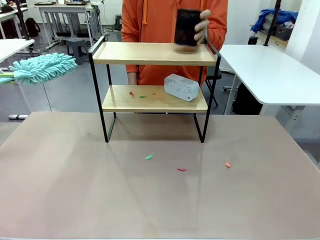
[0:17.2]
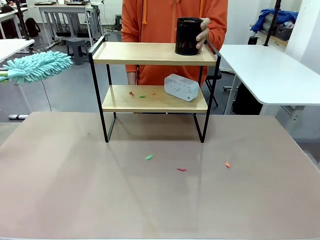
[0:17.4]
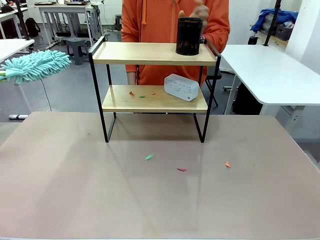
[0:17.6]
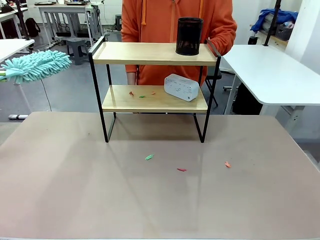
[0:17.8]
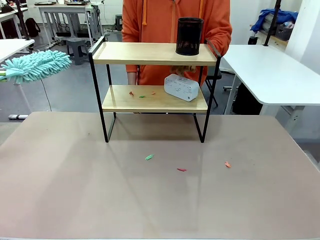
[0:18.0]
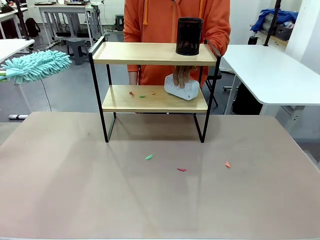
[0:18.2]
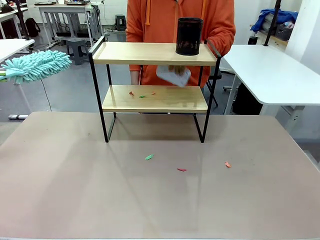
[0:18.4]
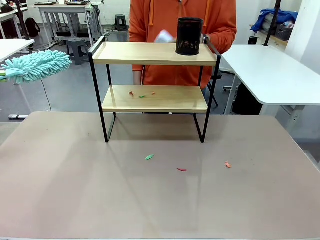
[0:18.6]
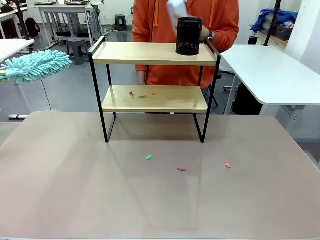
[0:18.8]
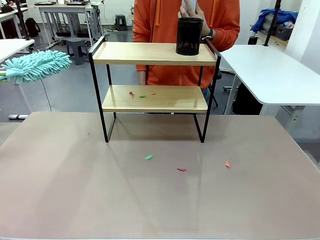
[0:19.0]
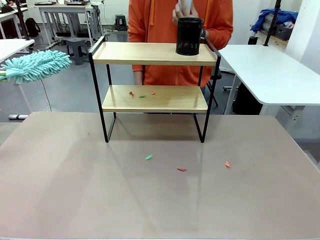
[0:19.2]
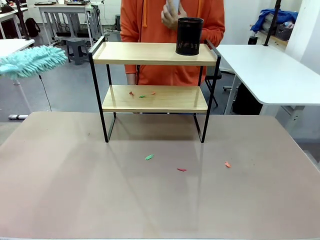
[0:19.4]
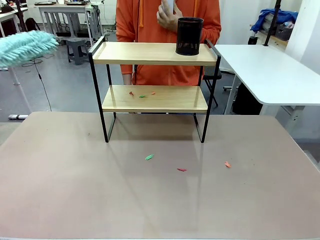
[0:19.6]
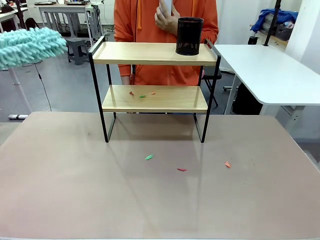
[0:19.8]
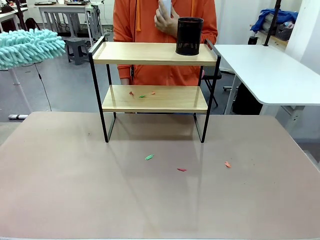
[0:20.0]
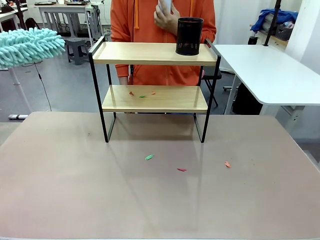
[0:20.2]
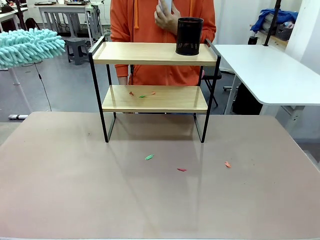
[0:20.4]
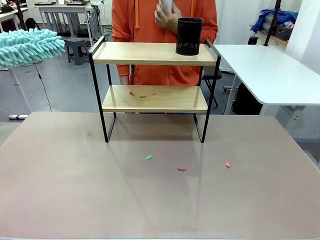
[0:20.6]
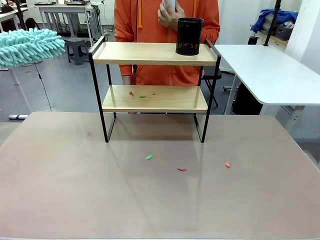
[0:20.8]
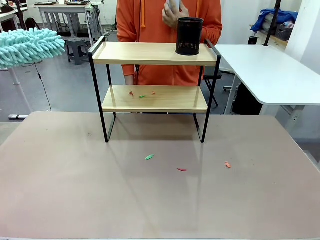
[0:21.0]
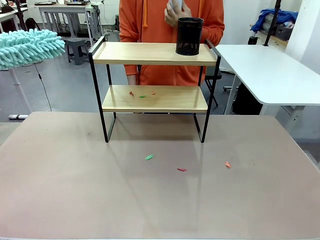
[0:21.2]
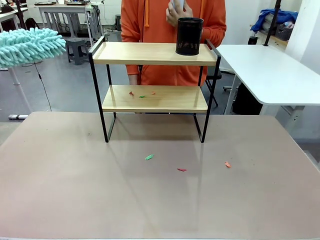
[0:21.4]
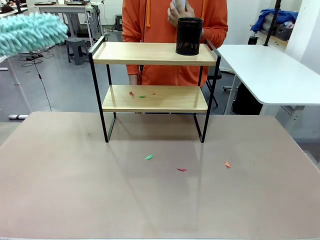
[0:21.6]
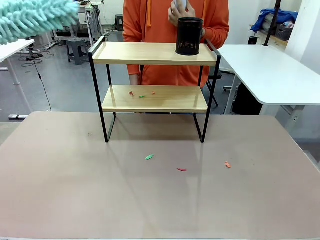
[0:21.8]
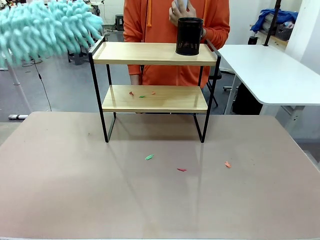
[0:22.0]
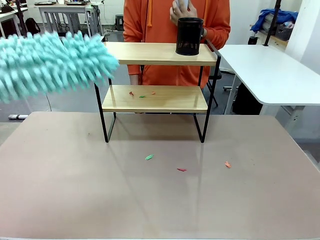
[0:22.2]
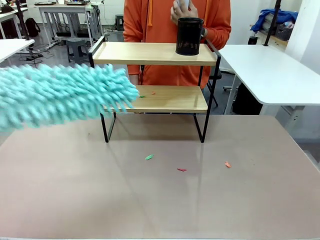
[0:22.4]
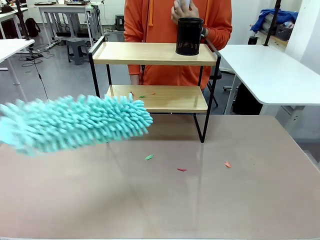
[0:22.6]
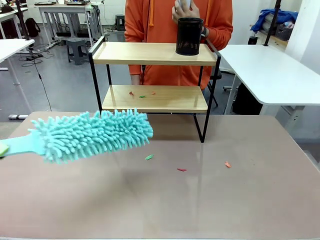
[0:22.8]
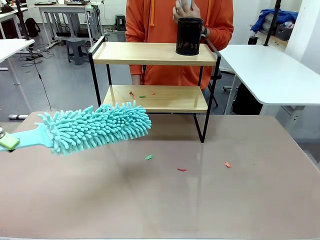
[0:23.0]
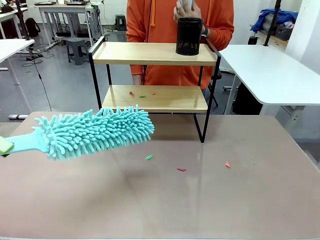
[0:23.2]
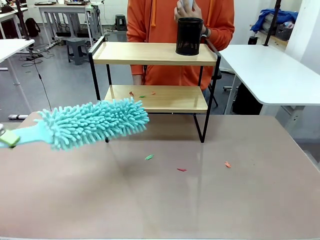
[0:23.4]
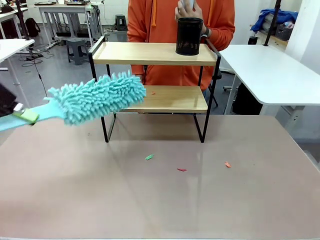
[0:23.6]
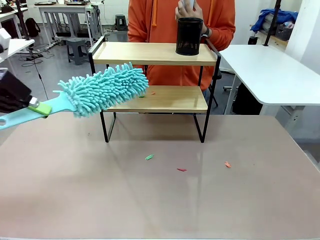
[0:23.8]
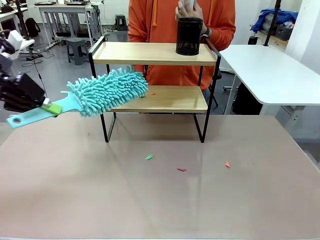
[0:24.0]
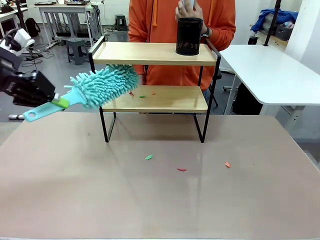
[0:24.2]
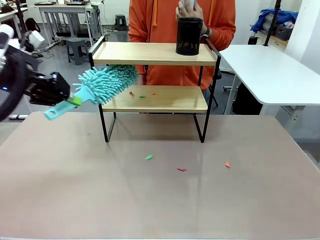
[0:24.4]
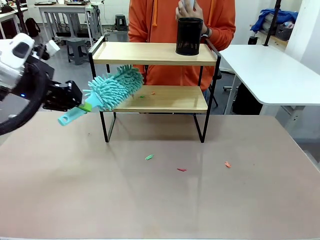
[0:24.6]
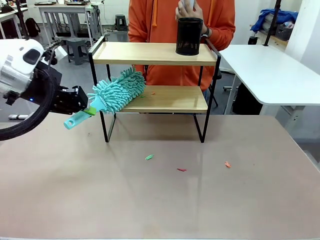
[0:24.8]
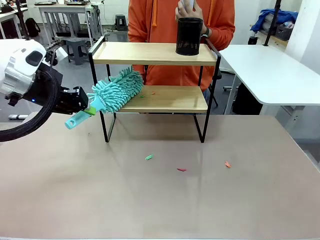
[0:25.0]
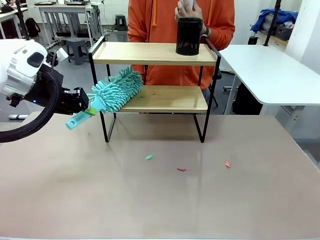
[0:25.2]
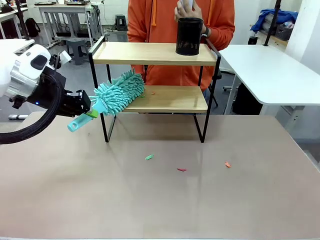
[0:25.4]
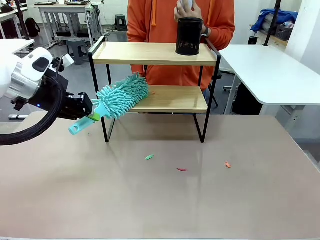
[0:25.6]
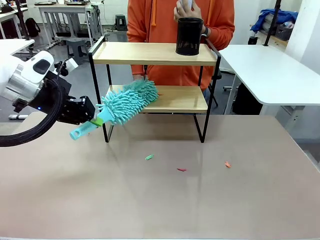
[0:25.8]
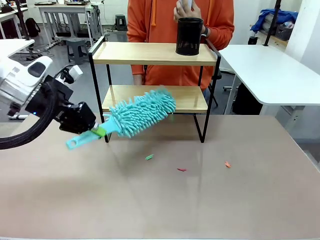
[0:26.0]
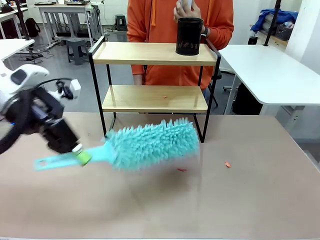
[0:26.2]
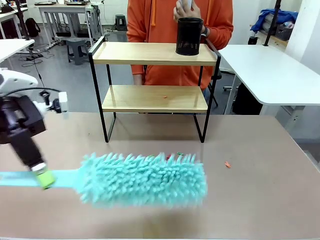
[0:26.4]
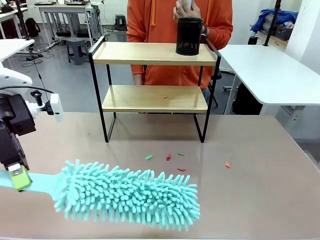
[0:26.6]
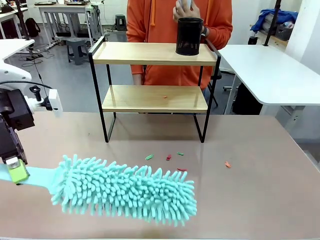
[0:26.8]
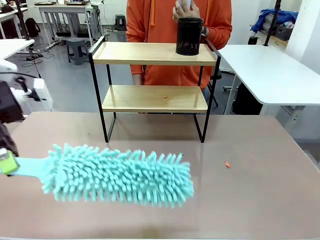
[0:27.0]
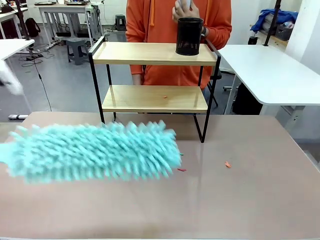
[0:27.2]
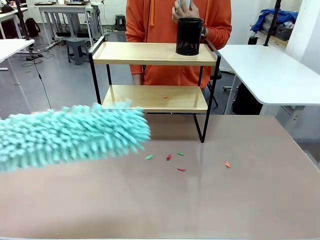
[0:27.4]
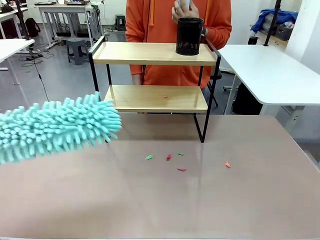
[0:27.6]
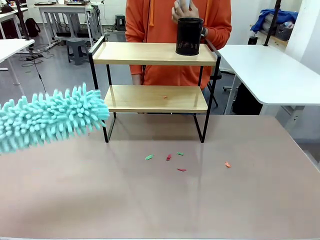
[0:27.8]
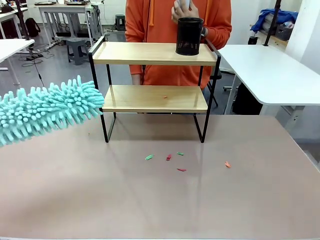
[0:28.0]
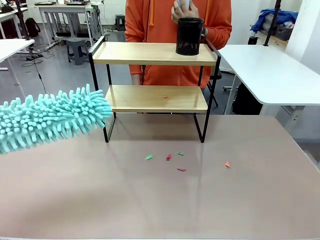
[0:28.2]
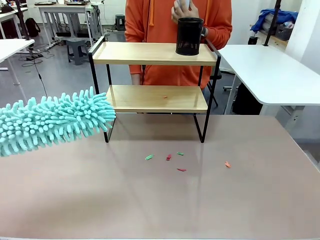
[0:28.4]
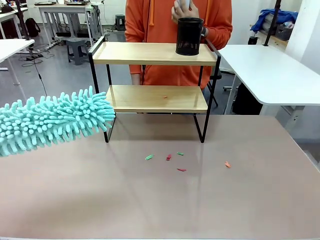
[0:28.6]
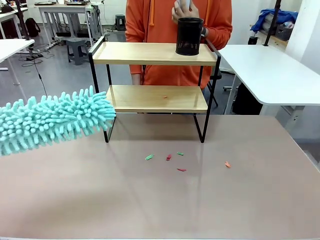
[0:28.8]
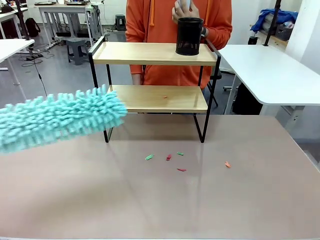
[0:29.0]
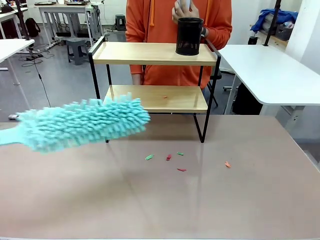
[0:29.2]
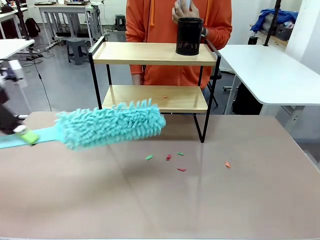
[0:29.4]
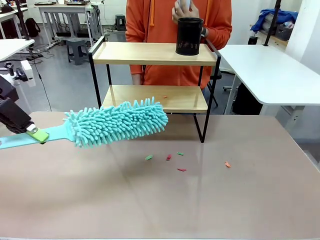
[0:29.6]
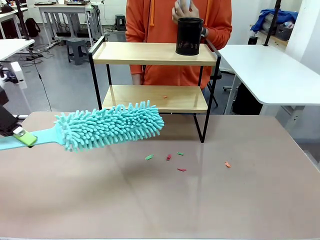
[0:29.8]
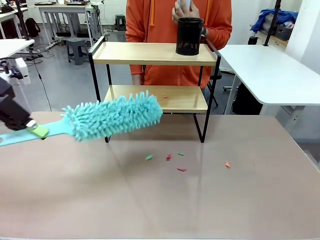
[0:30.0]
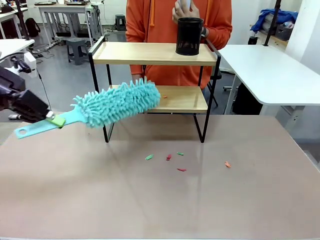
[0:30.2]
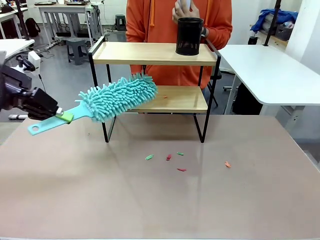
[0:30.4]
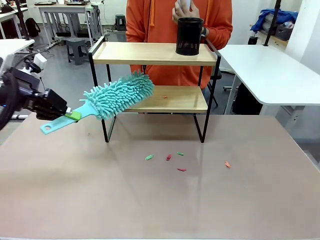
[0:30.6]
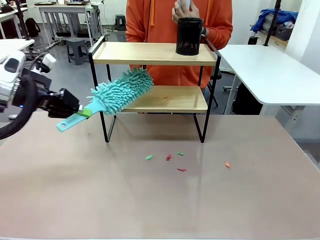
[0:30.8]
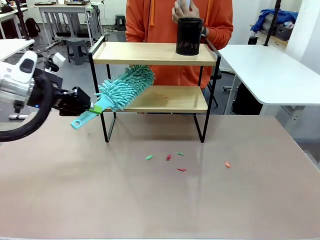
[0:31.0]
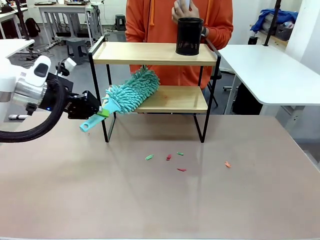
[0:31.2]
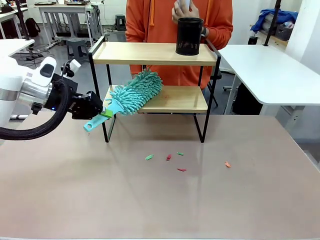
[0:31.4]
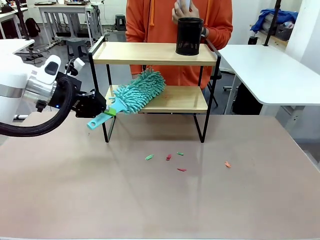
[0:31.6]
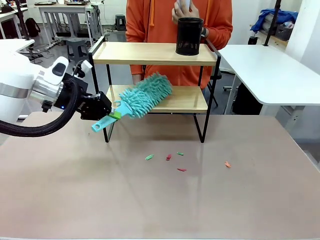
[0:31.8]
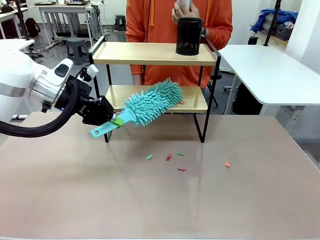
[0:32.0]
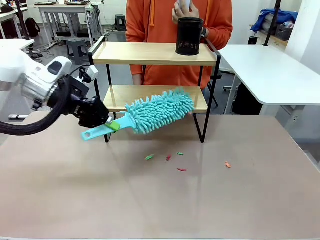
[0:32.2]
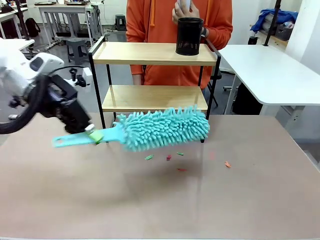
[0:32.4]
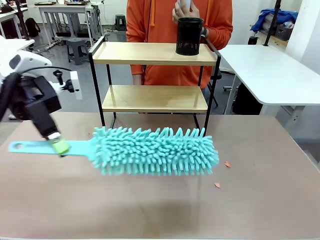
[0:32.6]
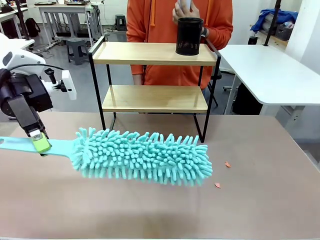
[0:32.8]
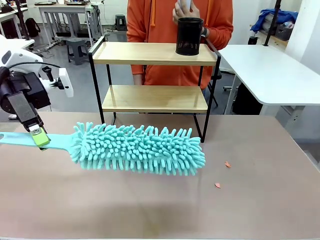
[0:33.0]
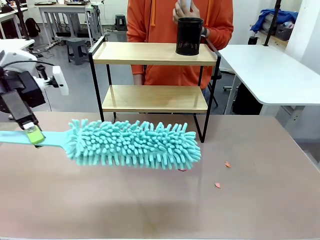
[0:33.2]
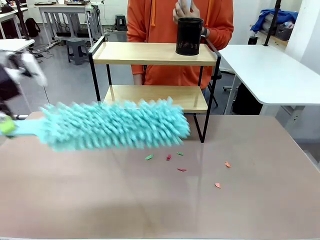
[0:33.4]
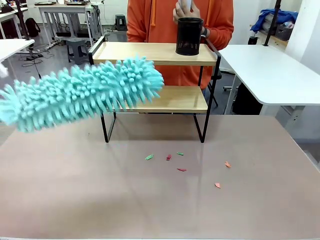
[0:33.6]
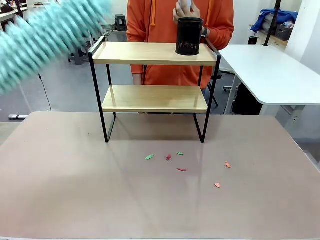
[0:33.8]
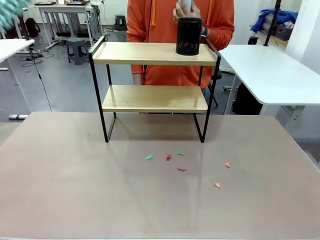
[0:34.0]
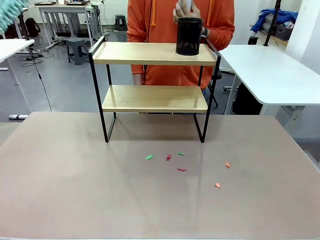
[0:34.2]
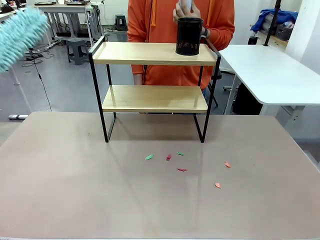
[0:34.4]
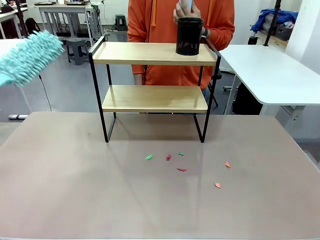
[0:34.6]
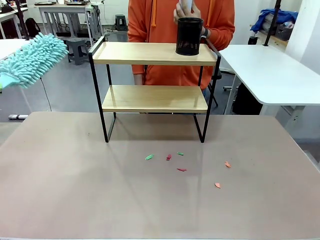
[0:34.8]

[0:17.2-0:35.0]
Task: Clean the shelf.
Robot: Clean the remaining tier of the Shelf with the Duster once objects are removed.
Person: Receive the Duster from the robot.
